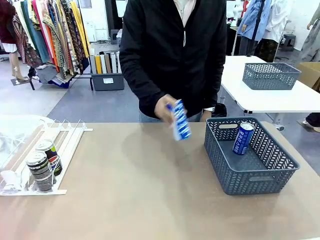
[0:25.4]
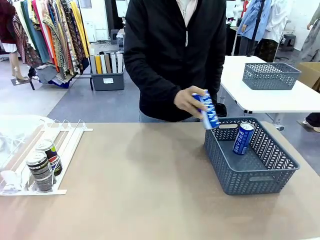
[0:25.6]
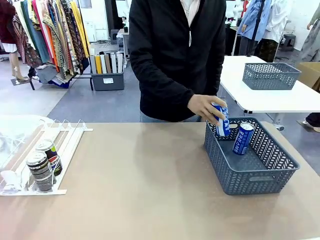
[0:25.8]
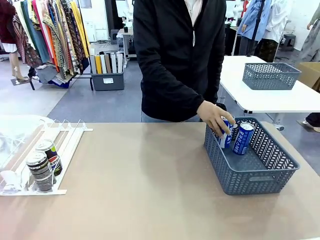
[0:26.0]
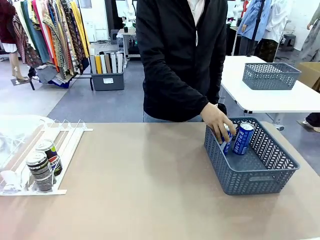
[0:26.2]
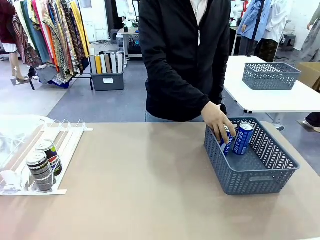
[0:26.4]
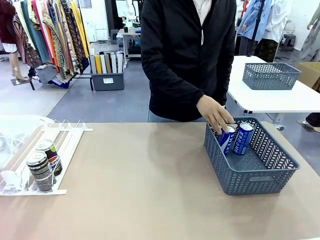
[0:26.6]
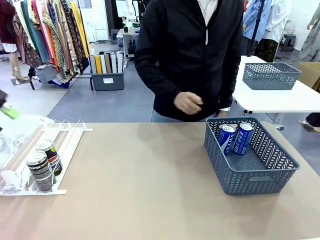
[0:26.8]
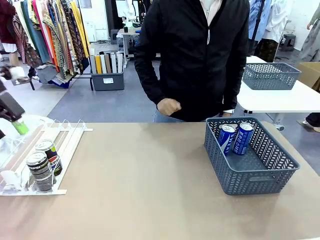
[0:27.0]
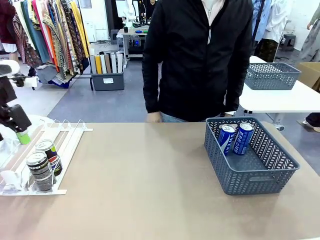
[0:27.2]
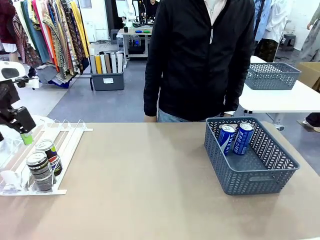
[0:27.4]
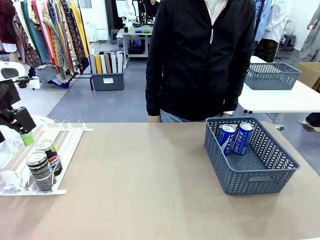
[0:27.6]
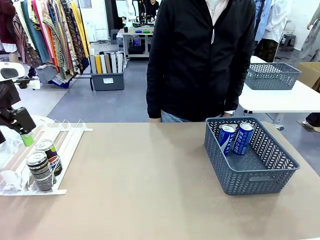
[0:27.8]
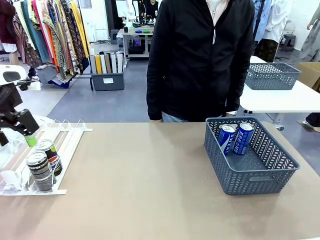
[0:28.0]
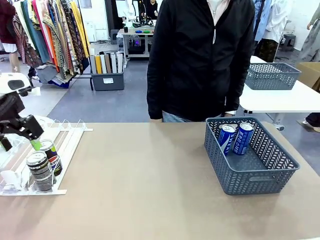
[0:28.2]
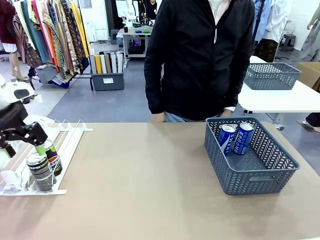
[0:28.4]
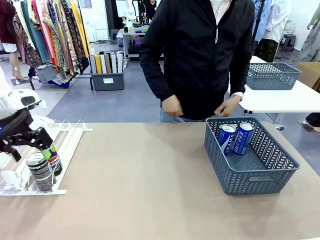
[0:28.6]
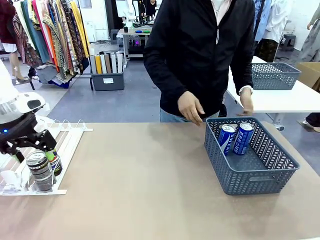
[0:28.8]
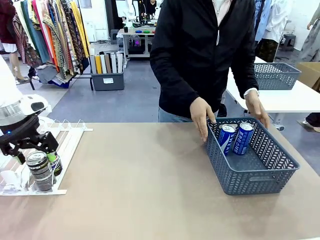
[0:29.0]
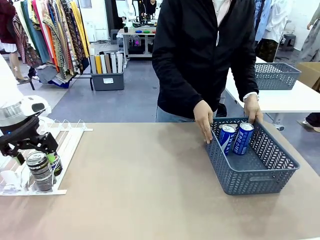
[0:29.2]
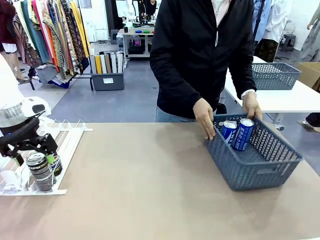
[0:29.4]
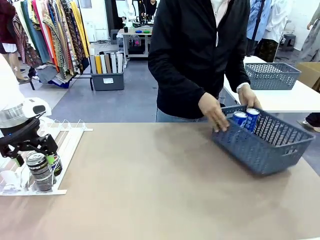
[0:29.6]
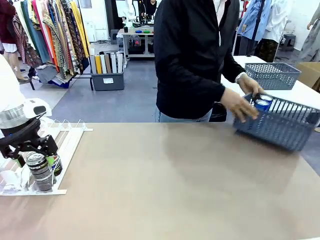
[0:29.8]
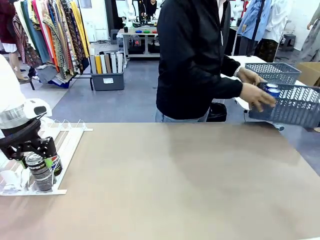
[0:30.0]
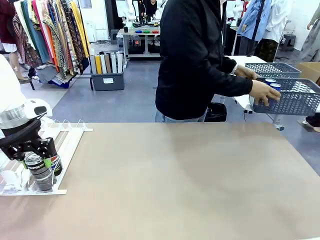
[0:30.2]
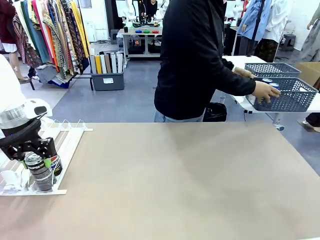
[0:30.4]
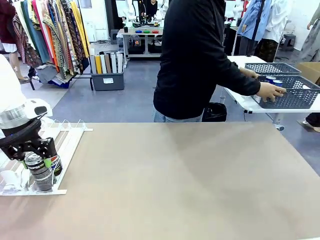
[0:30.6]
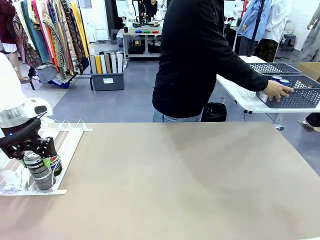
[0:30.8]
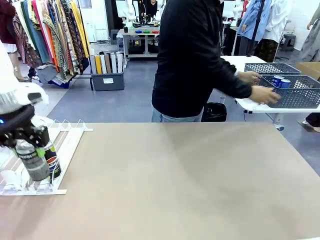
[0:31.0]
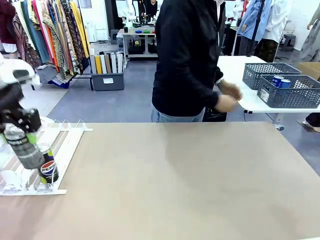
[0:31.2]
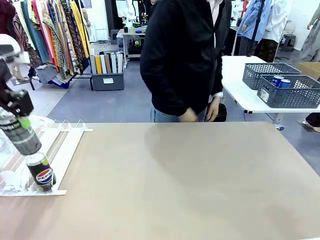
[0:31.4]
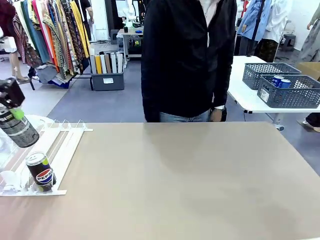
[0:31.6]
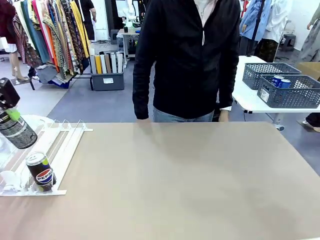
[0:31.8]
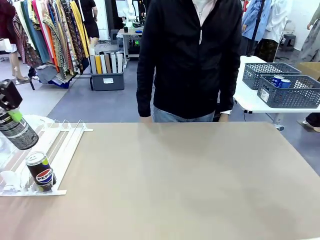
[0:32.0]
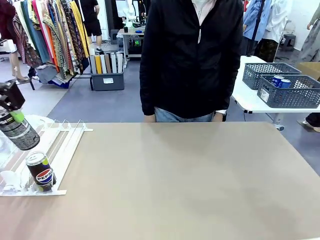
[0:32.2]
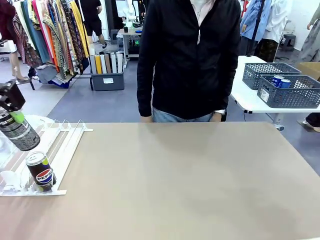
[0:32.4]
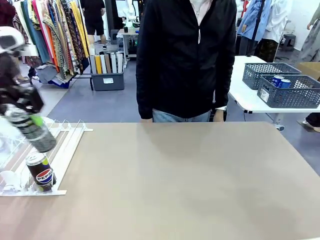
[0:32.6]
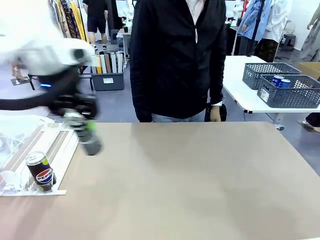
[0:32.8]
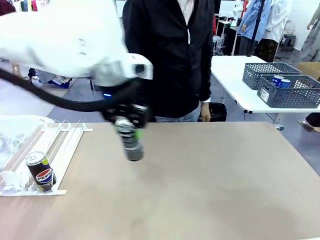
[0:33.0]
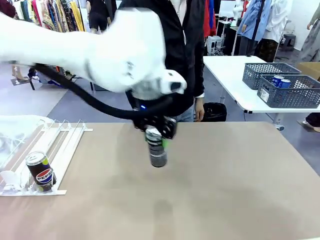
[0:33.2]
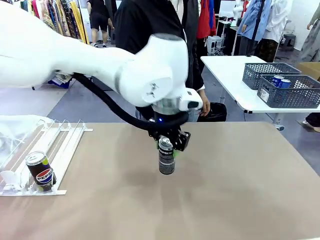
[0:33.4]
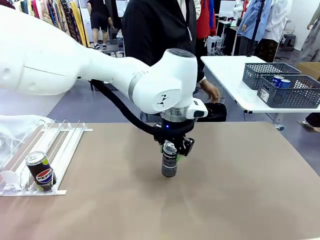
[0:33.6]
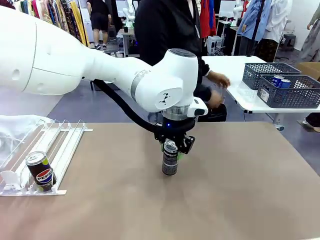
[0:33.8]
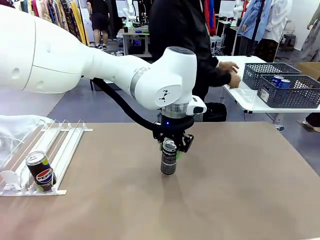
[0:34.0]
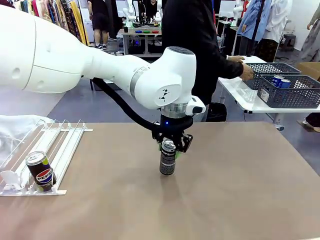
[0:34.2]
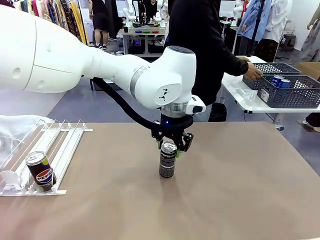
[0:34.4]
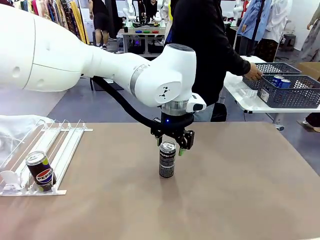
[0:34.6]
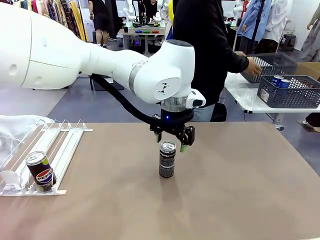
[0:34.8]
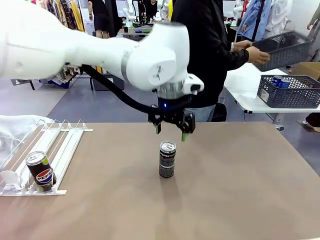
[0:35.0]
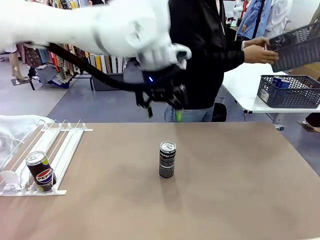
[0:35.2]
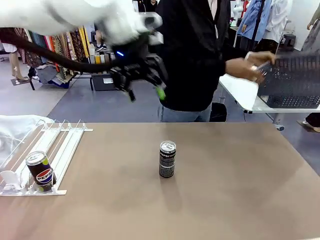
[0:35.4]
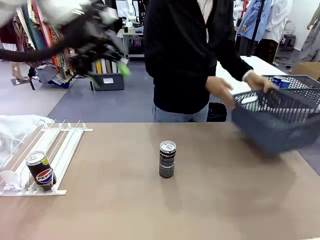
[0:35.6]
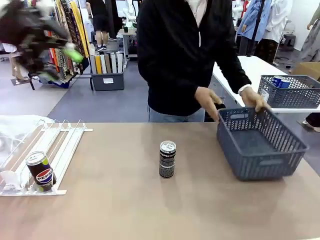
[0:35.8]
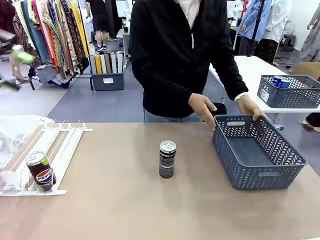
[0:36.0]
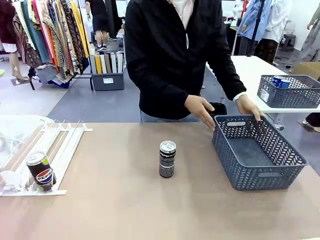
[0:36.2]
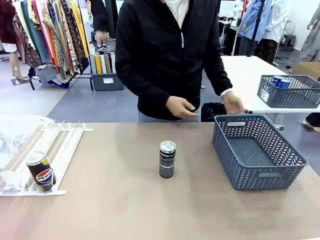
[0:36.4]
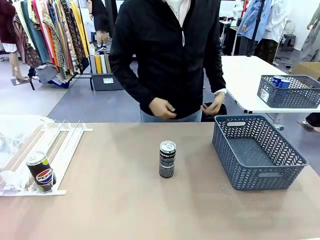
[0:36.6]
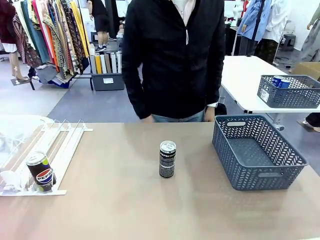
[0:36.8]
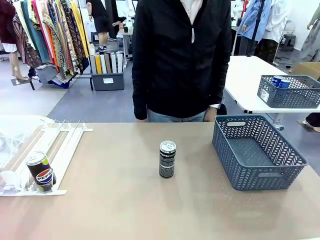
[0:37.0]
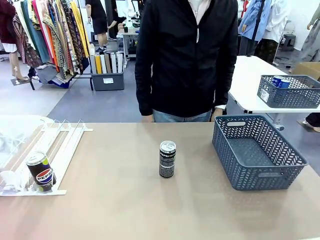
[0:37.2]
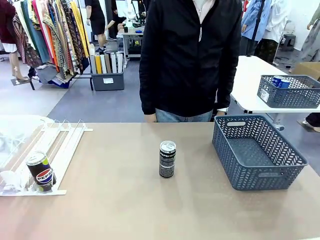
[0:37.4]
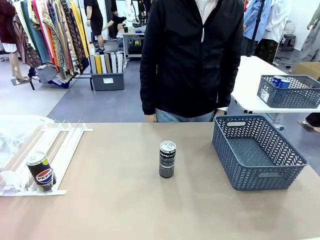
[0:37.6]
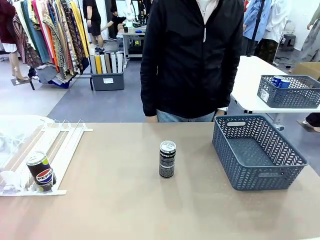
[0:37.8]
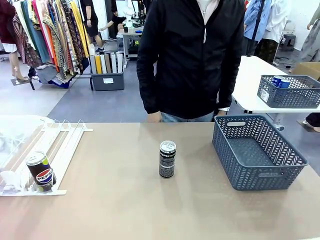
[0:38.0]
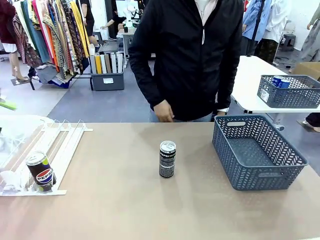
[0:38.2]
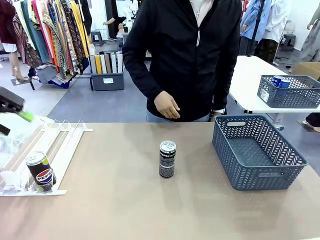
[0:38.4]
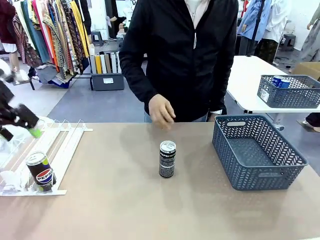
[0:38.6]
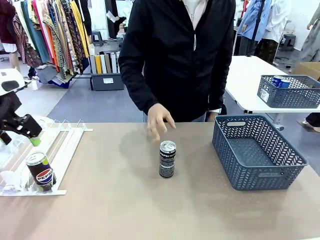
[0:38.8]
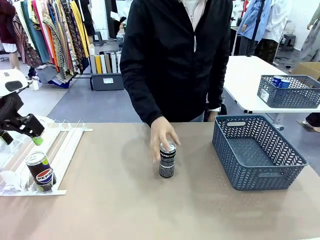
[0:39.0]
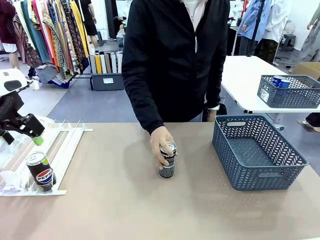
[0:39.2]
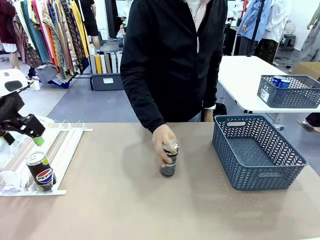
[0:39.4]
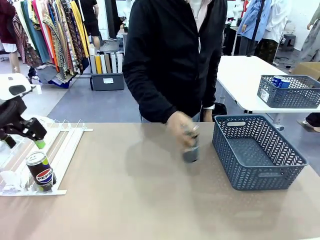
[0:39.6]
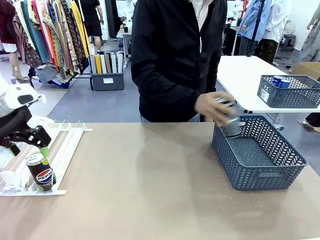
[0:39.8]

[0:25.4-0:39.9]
Task: Retrieve and store the cans from the dispenser.
Robot: Pick up one can from the Automatic Can Dispenser and place it in the middle of the table.
Person: Pick up the basket and place it in the middle of the human table. Pick up the empty basket and place it on the left side of the robot table.

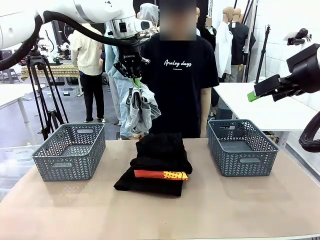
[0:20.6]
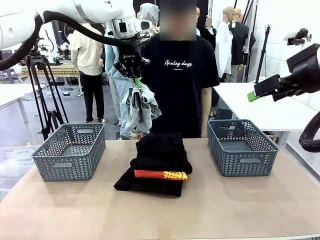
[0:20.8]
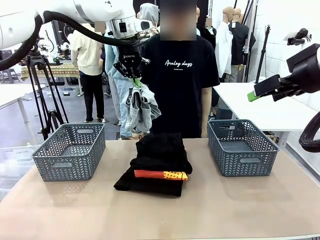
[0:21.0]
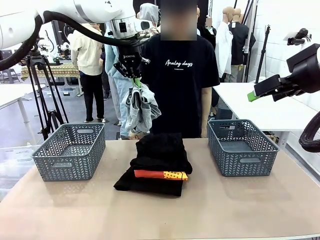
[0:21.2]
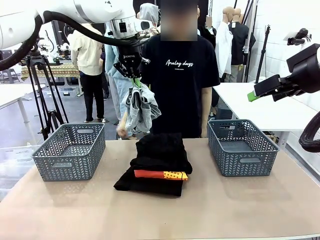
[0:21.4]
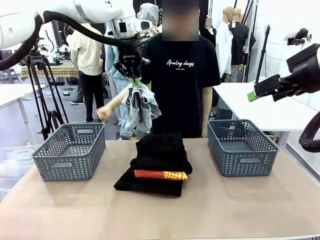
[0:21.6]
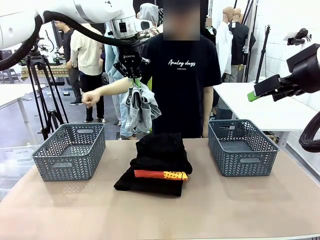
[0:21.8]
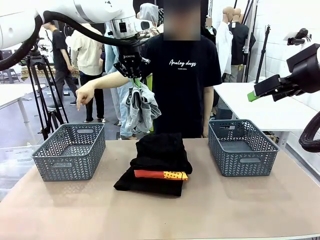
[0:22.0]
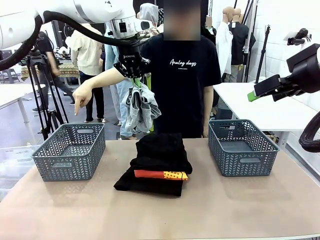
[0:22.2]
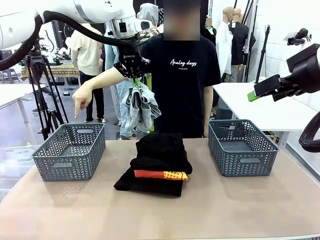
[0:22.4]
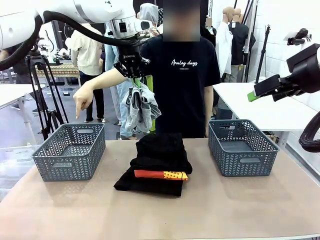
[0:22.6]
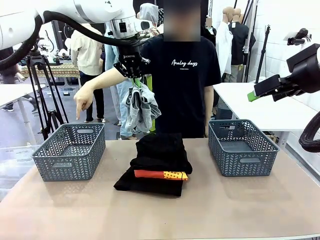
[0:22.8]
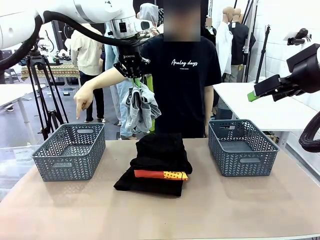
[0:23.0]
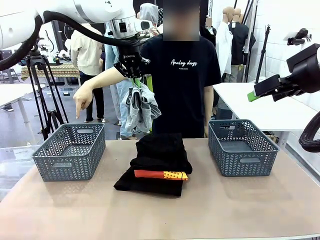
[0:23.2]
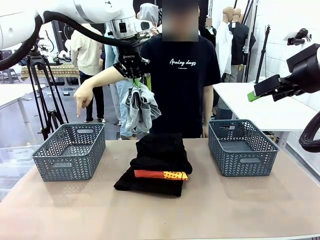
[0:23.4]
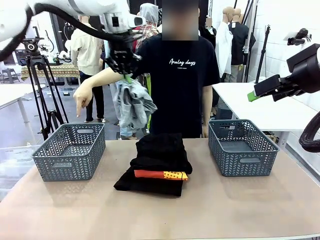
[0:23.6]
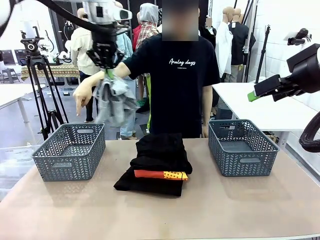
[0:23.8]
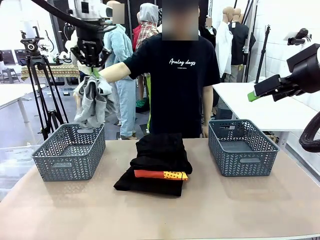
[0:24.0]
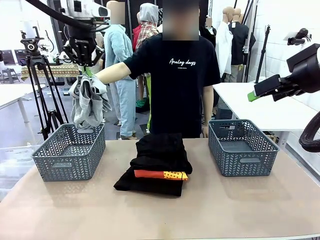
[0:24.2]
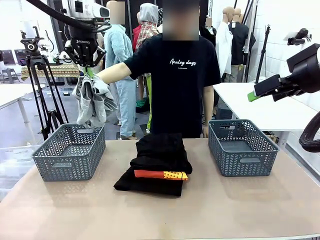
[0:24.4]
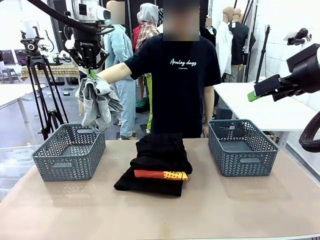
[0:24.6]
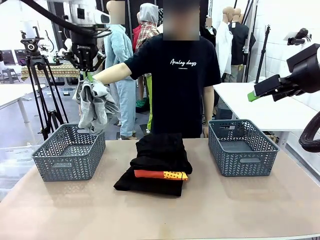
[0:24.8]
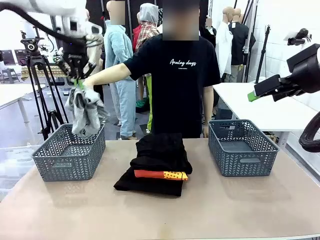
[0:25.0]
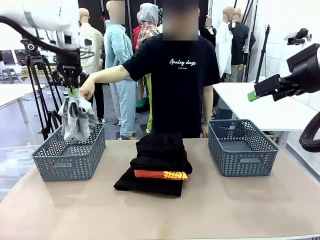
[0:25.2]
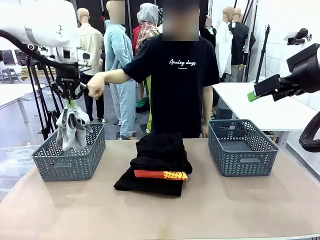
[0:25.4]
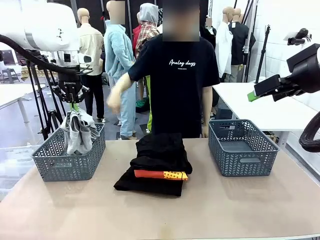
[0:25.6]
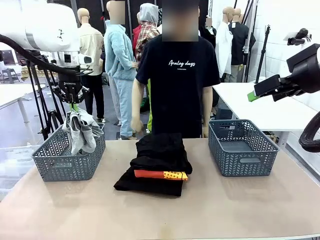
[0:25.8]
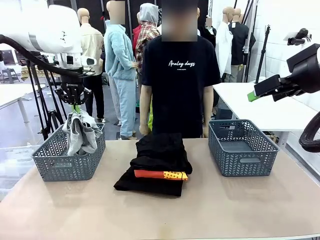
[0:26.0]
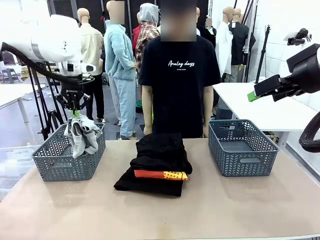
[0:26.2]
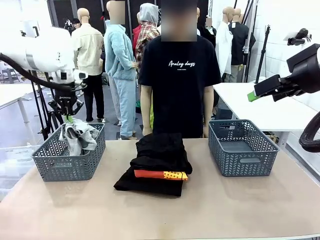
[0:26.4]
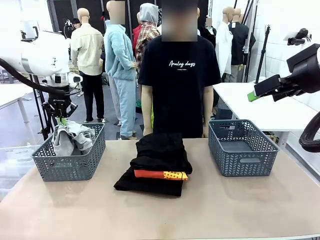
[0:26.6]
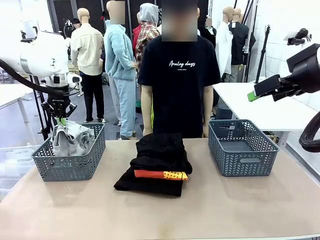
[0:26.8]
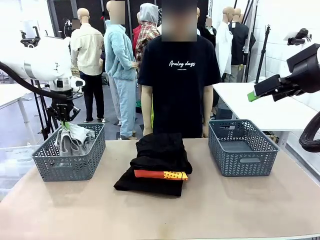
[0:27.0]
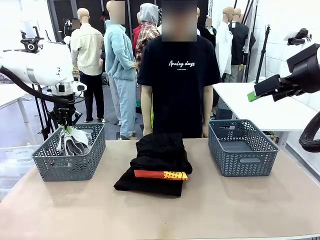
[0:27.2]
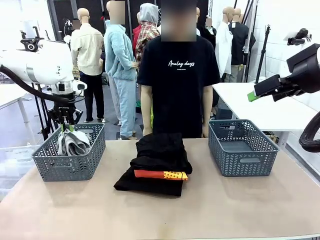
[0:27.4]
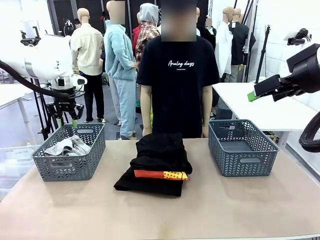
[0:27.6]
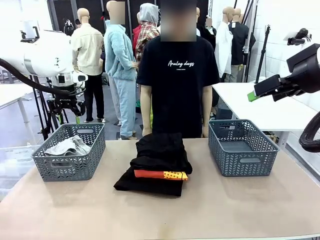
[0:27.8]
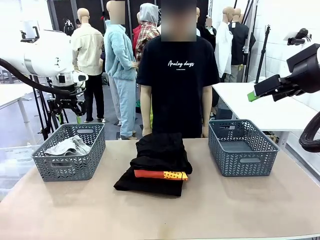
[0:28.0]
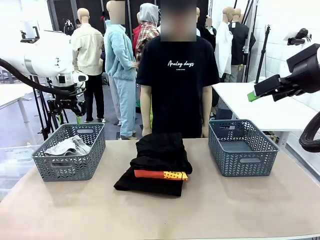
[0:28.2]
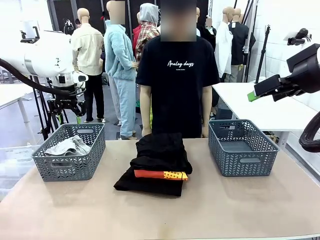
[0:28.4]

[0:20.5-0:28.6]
Task: Sort the tops and bottoms.
Robot: Sort the clothes according to human instructions.
